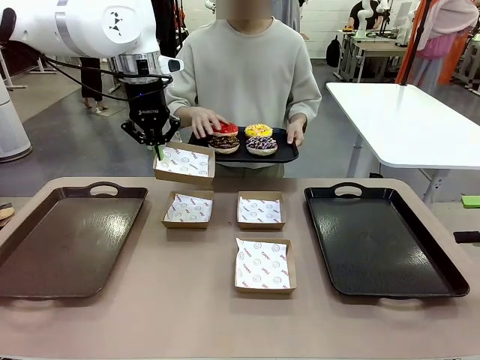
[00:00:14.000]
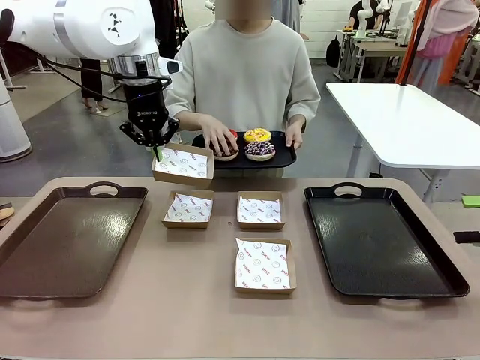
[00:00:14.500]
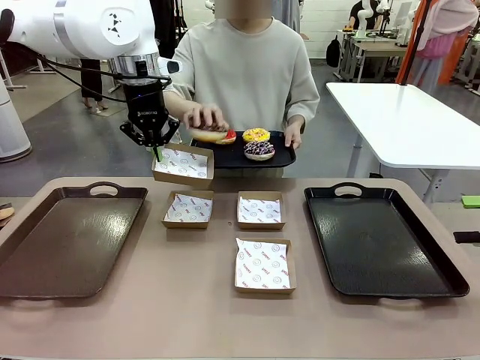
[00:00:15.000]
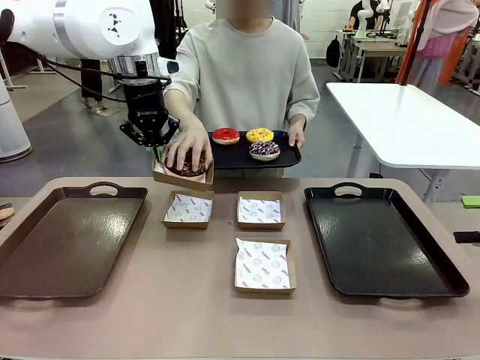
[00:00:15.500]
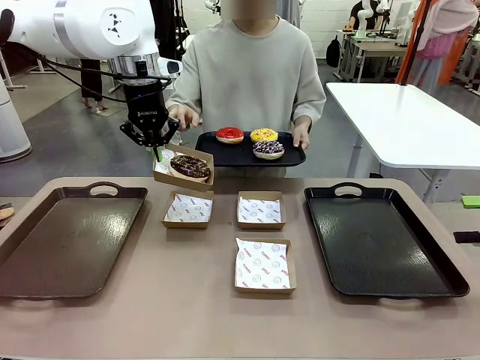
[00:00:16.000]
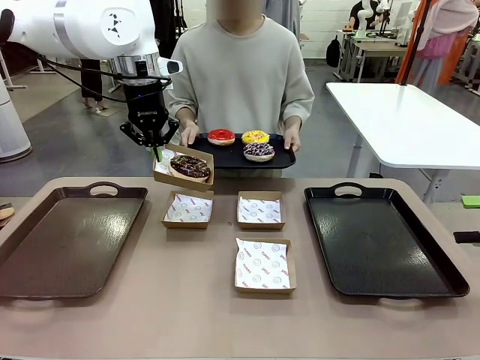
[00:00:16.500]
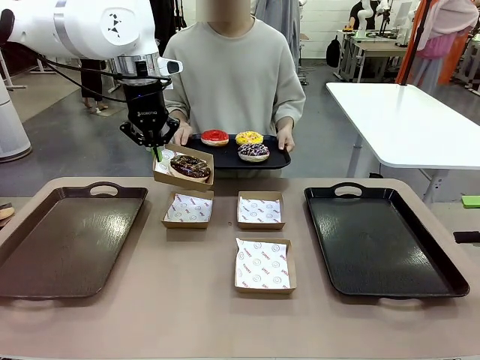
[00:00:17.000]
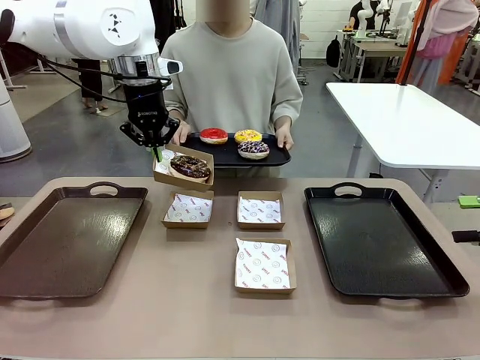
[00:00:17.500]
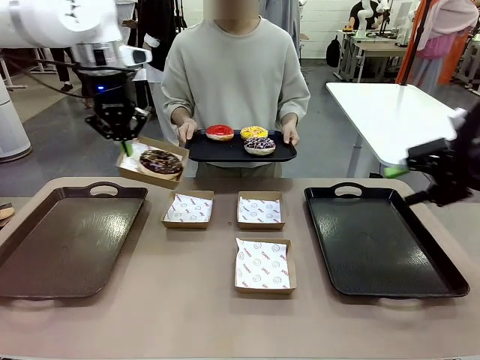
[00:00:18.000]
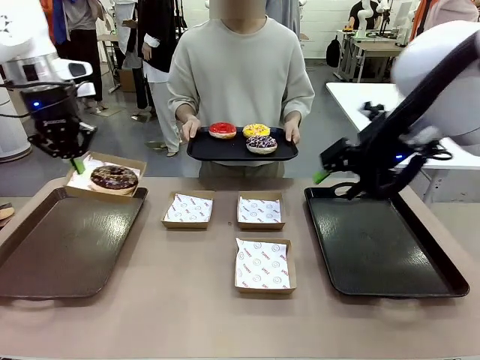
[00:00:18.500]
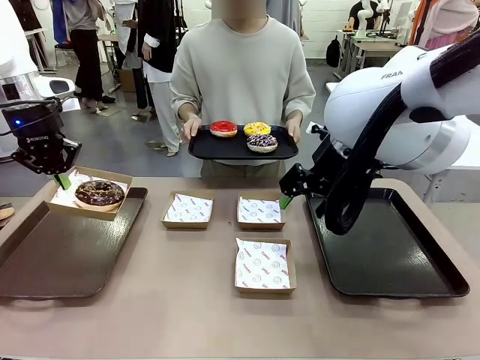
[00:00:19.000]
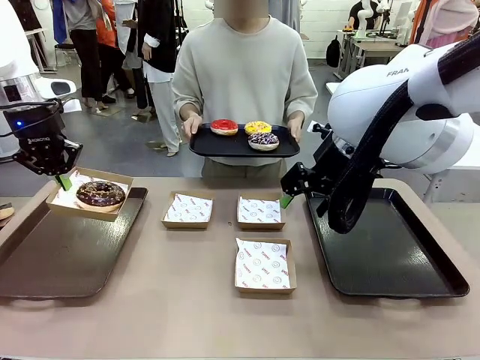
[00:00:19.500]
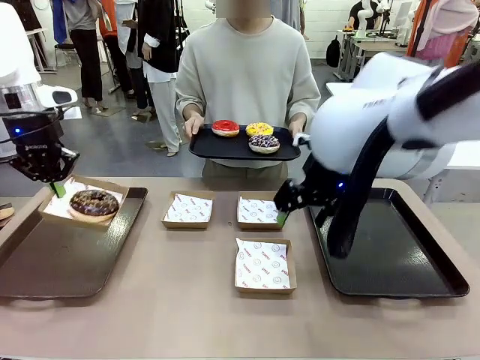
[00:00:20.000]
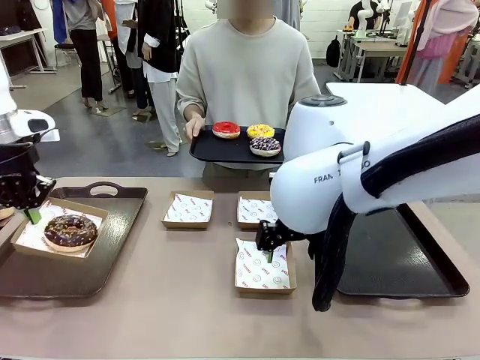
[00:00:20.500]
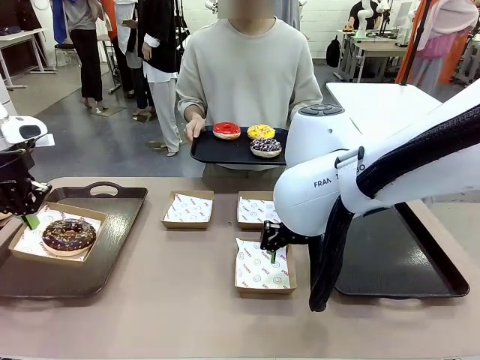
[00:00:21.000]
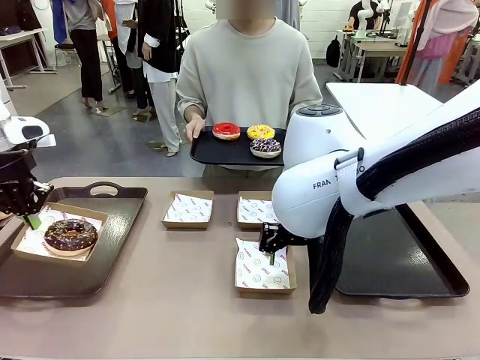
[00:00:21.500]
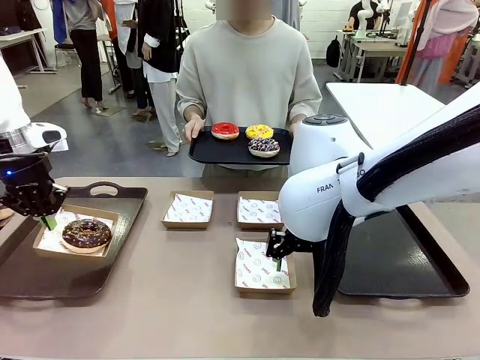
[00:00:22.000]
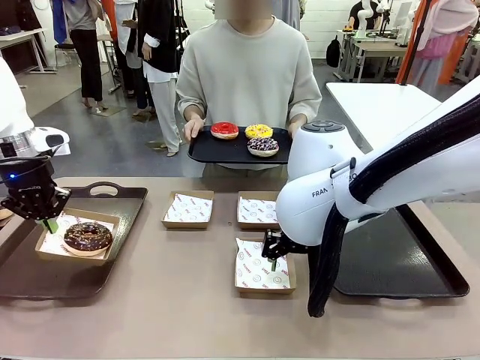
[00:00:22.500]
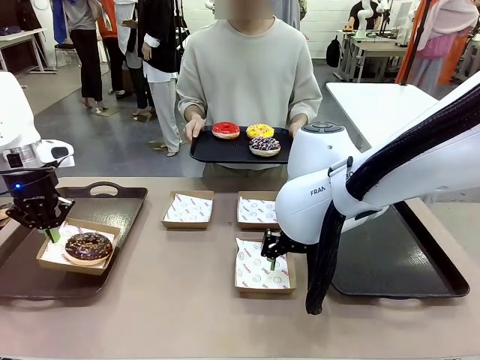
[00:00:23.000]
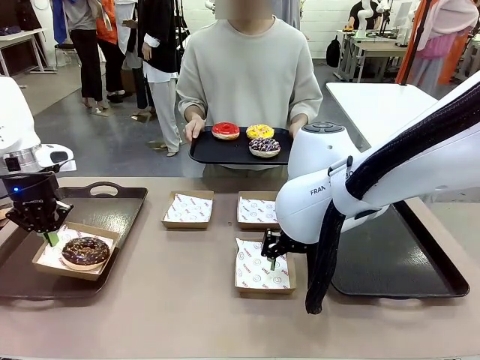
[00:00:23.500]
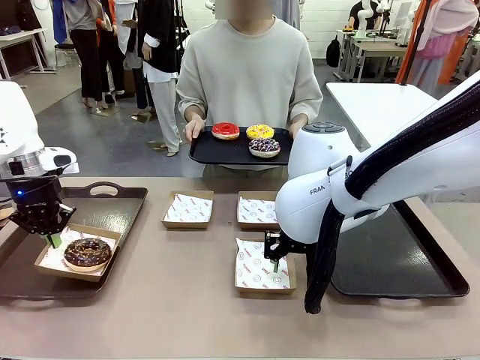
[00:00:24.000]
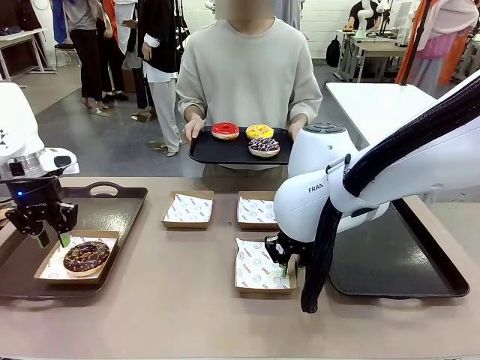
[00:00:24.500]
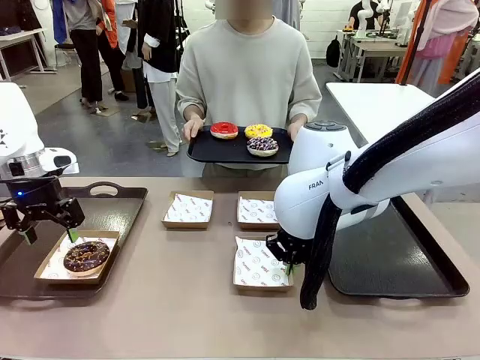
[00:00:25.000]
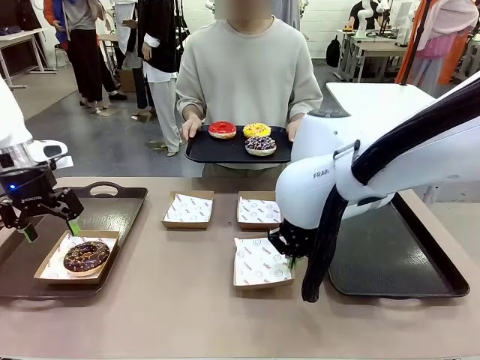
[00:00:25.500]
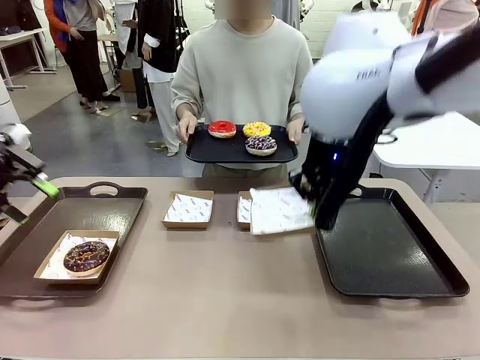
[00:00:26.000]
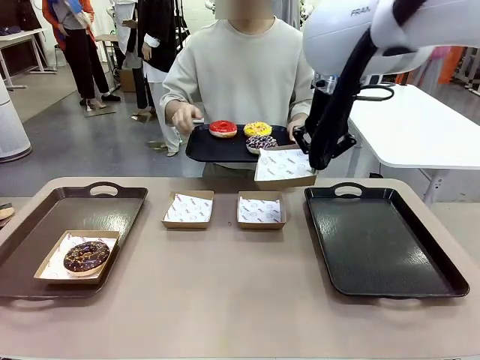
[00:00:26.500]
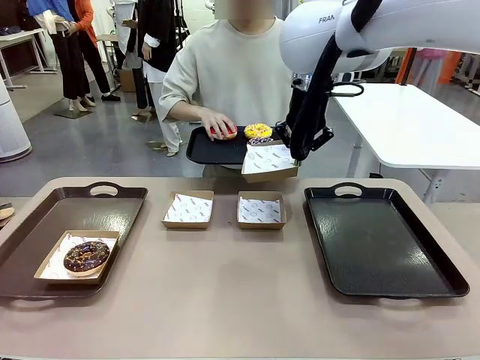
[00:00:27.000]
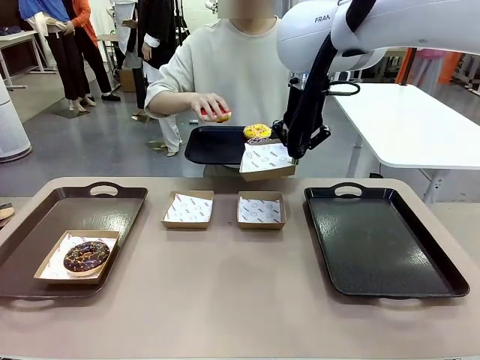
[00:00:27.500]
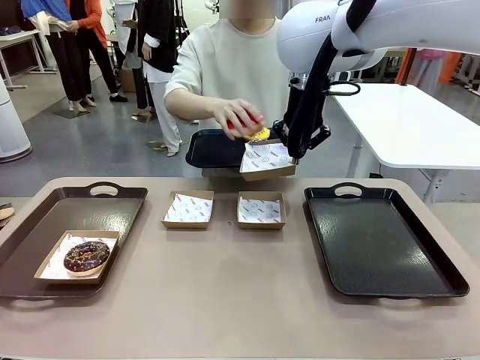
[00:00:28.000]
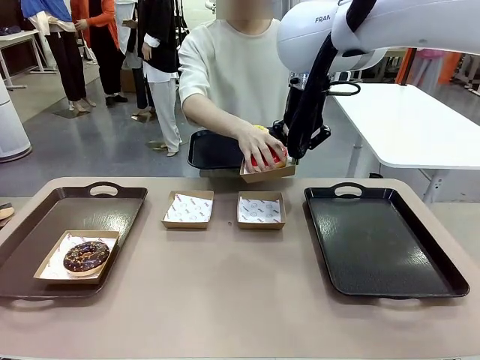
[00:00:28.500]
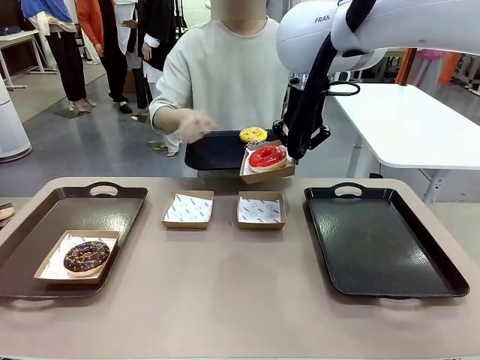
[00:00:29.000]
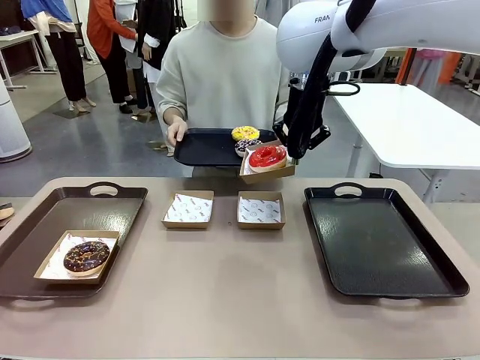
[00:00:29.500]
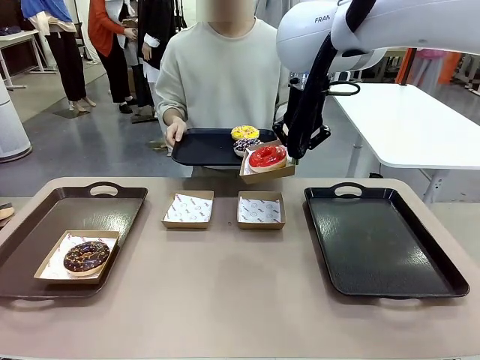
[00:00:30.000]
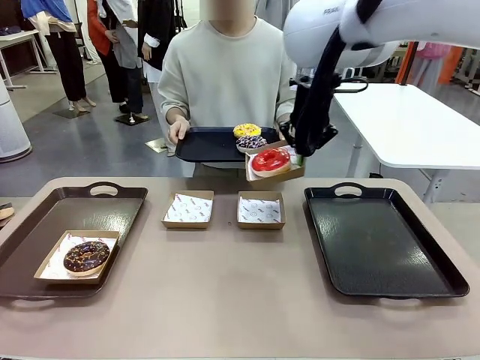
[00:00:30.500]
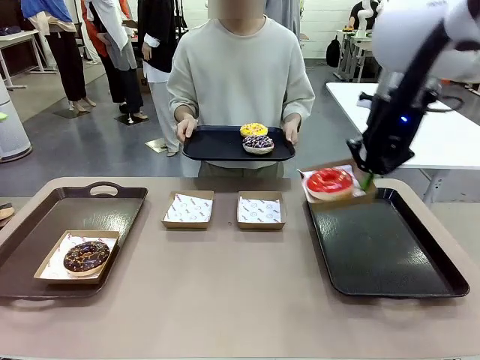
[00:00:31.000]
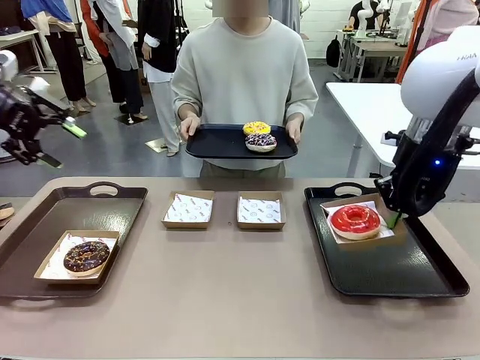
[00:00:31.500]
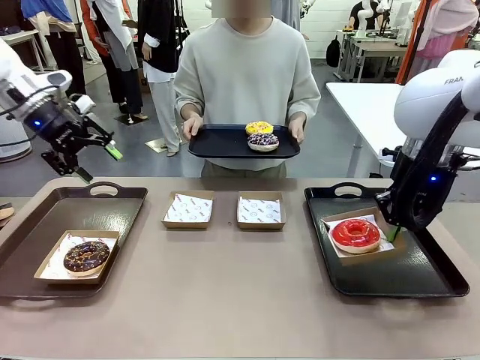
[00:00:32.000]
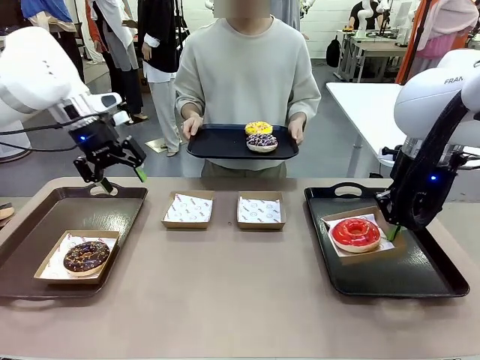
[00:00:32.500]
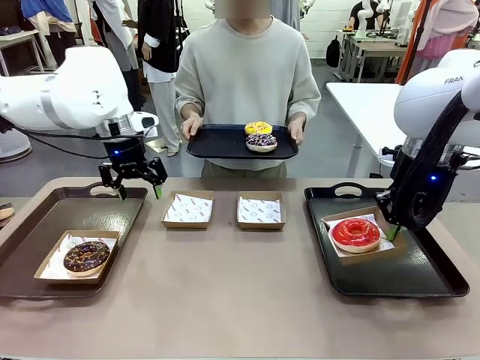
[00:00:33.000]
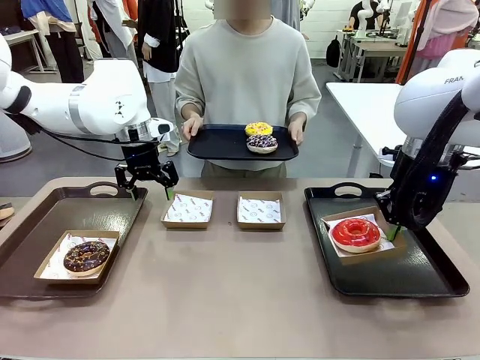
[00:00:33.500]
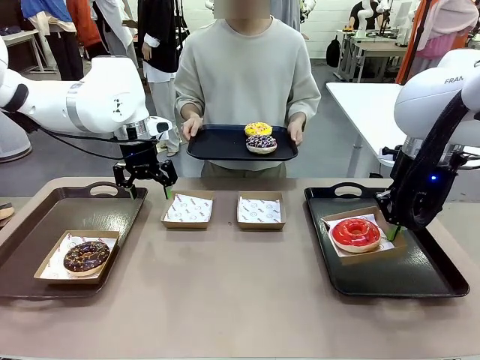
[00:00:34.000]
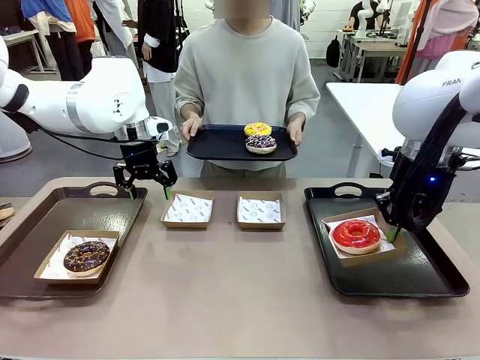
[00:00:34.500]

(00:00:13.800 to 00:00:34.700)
Task: Individually package the donuts and arrange them on the tray.
Robot: Place the picked Paper togo box on the Handle tray while simultaneously picking up another Paper togo box from the table with the other hand.

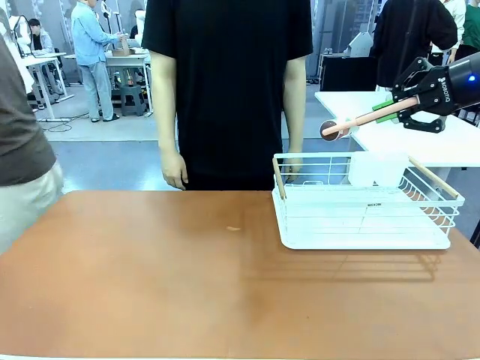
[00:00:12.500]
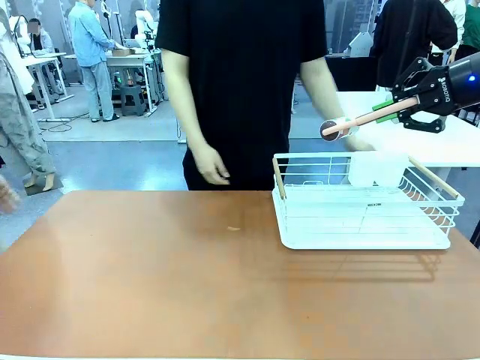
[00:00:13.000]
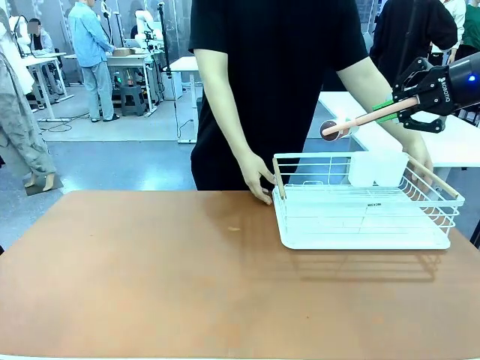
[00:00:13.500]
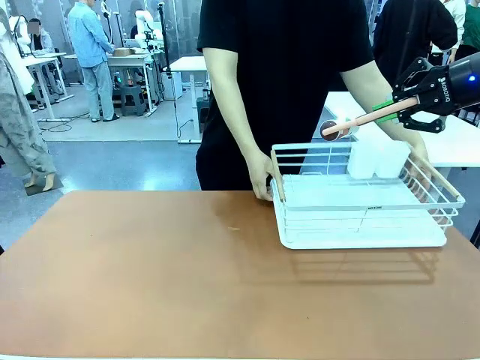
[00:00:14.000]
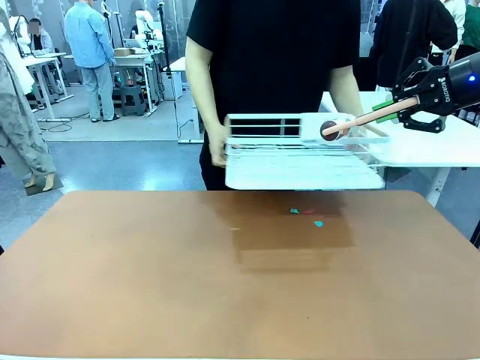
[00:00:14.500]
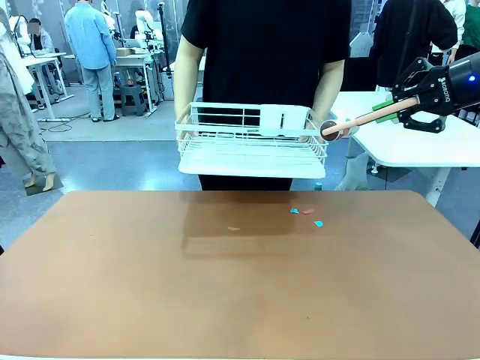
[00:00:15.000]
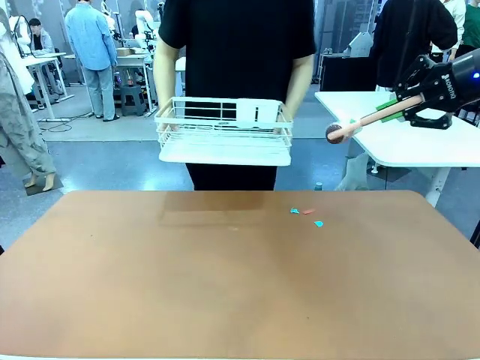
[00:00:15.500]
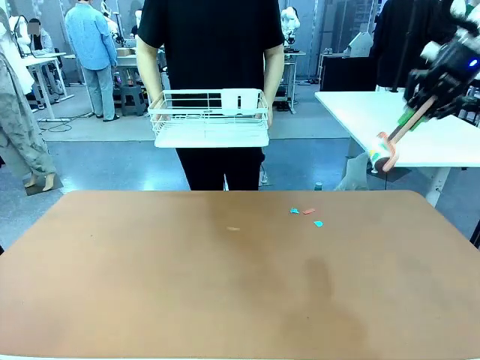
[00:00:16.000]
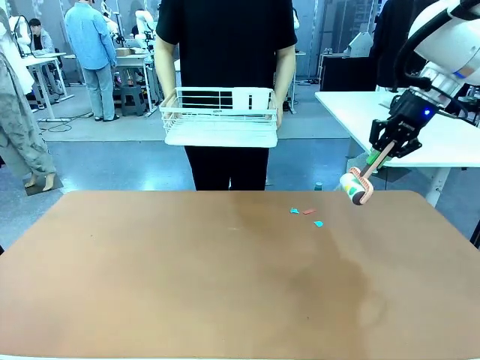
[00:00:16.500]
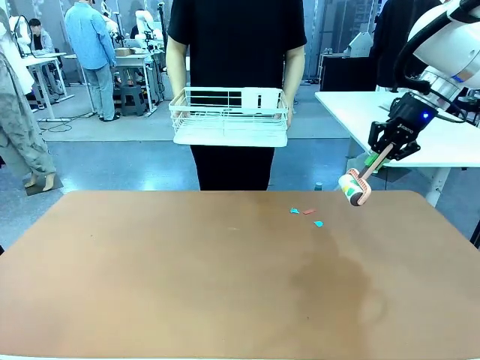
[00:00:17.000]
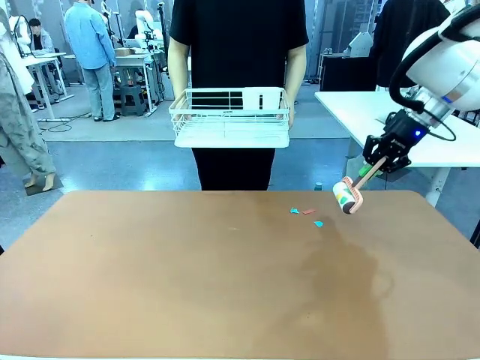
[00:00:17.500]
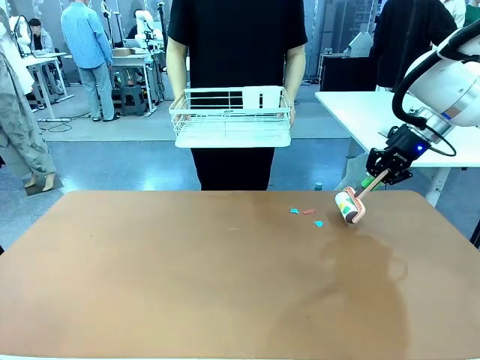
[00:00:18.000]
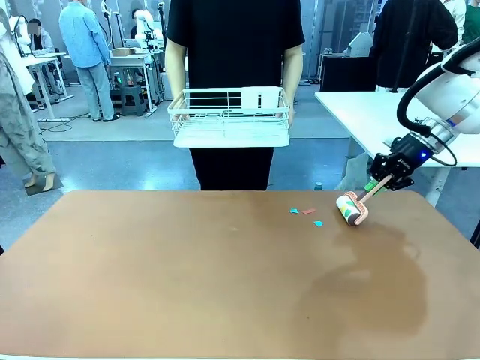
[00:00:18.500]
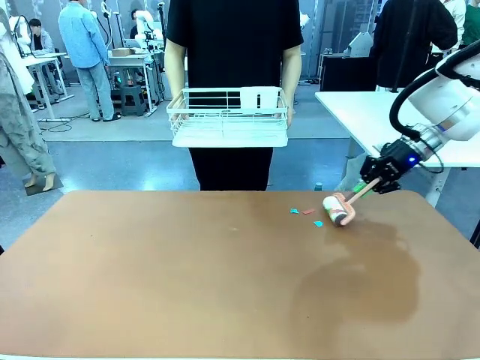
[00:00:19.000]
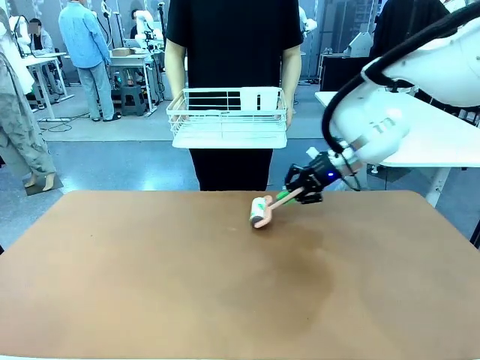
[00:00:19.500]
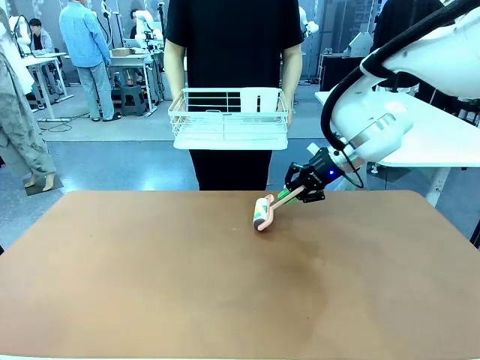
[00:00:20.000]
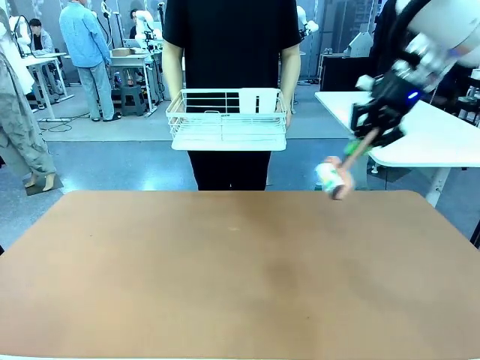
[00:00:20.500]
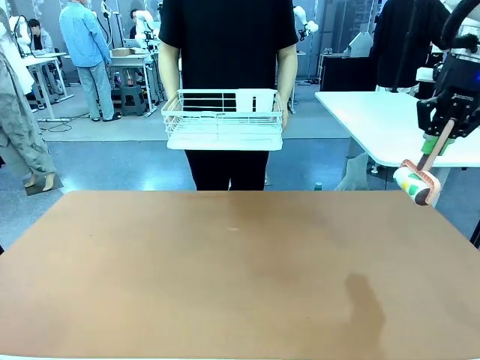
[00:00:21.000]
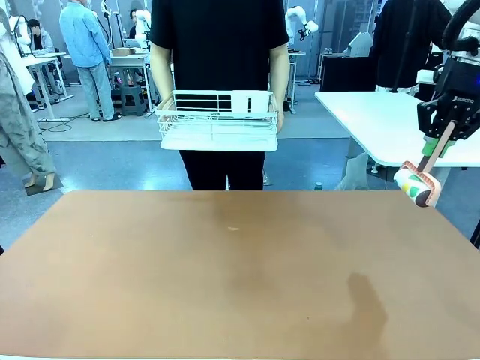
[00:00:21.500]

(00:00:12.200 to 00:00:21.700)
Task: Clean the table.
Robot: Clean the table with the Lint Roller when the human lifts the Dish drying rack.
